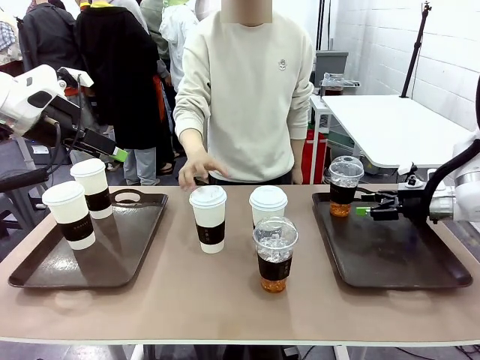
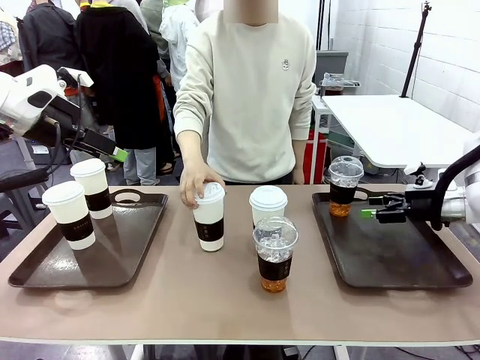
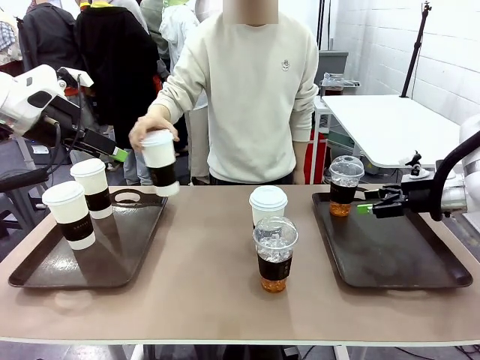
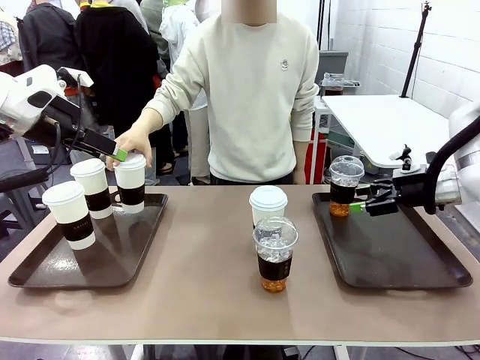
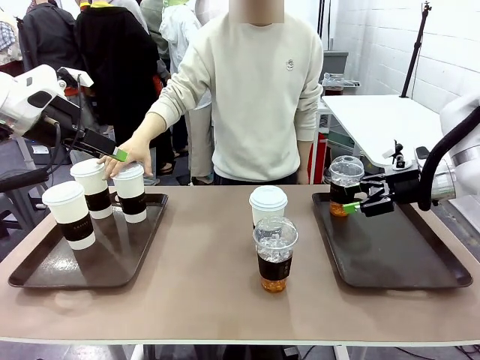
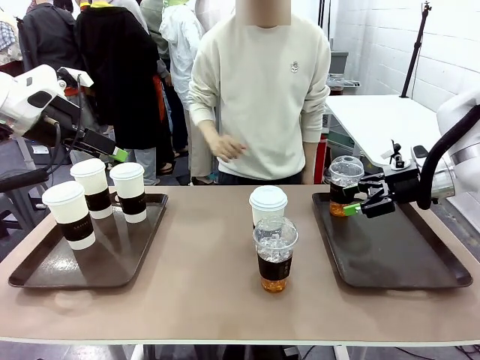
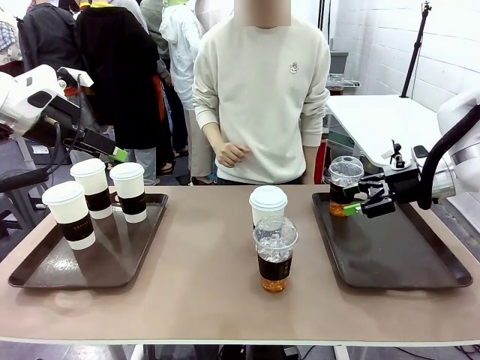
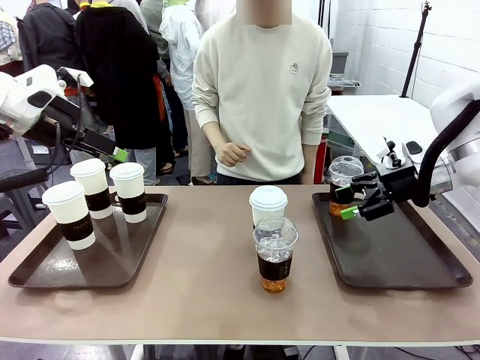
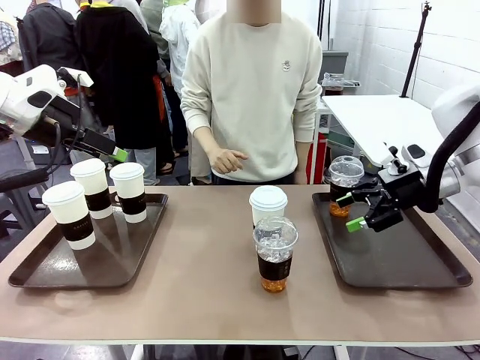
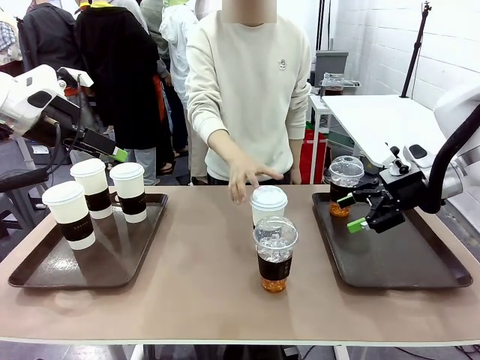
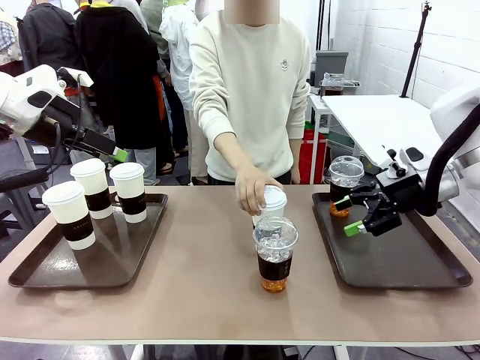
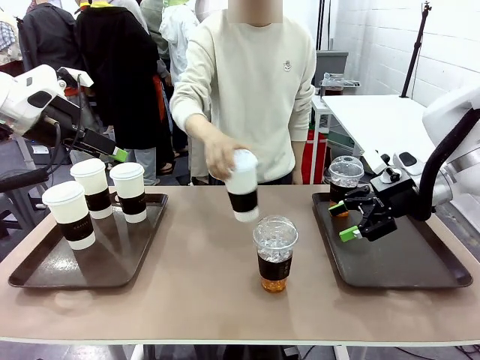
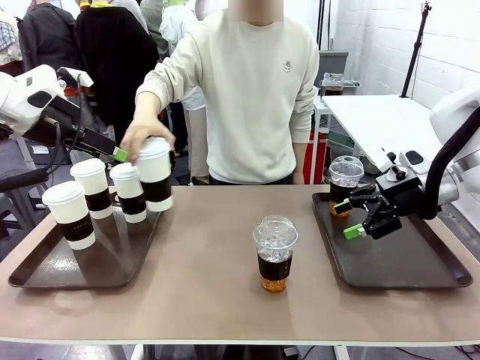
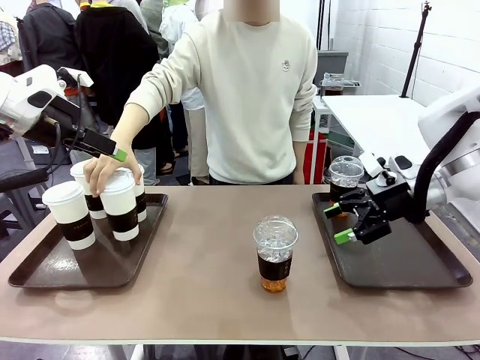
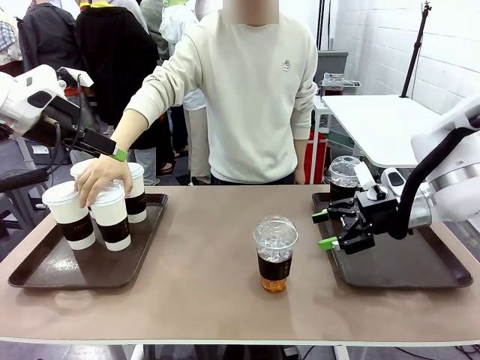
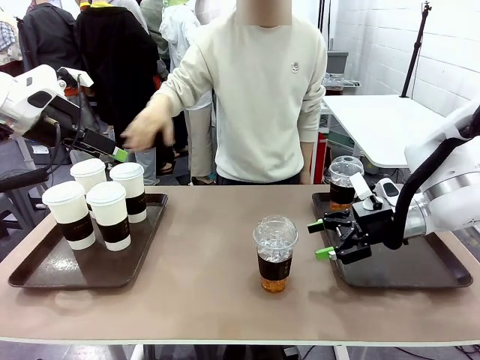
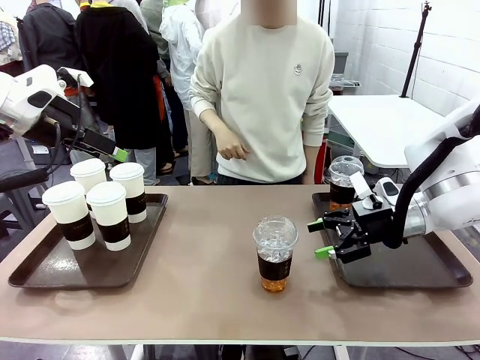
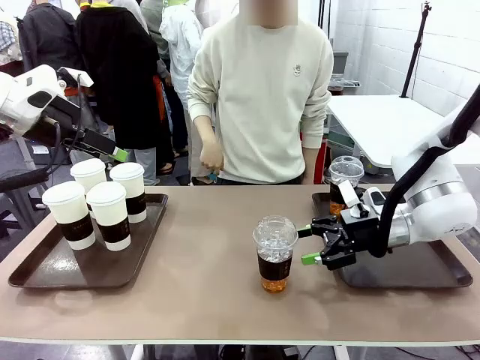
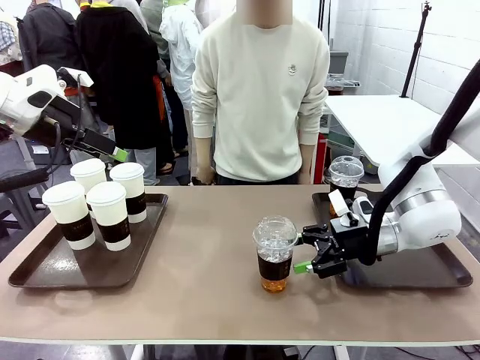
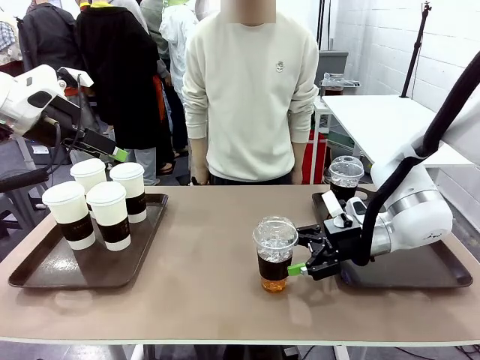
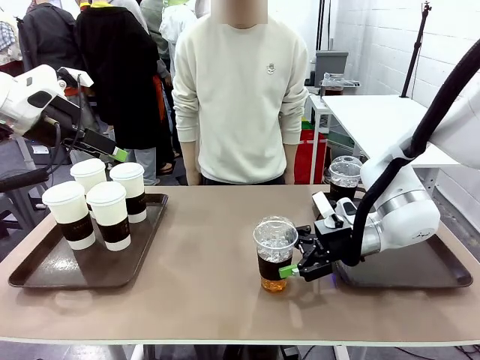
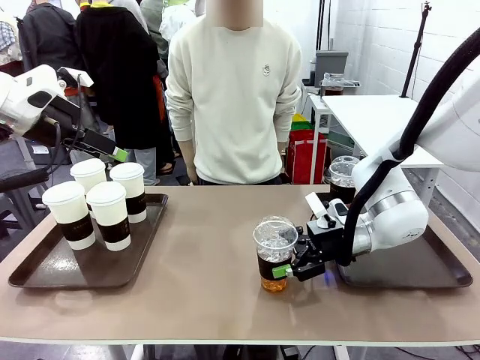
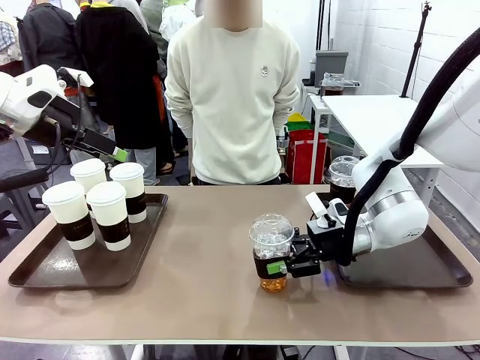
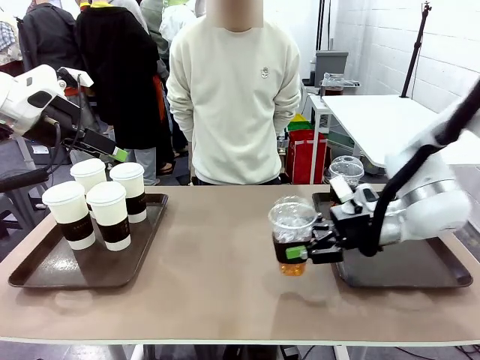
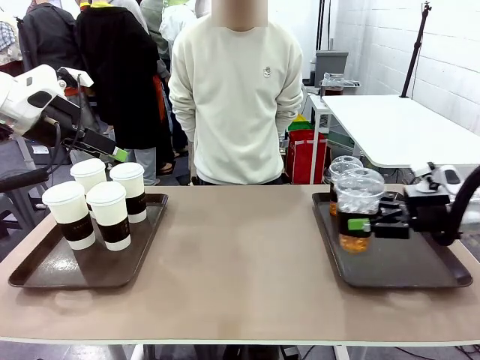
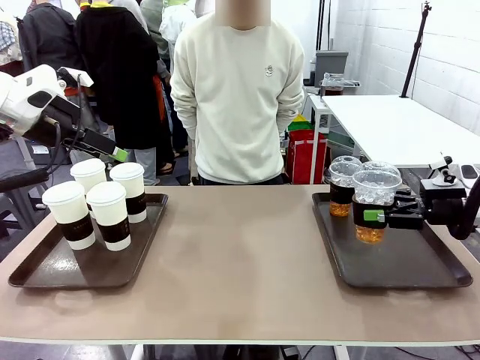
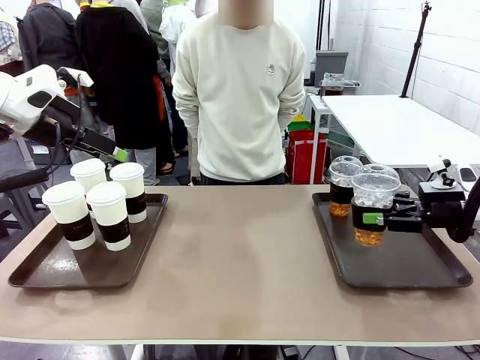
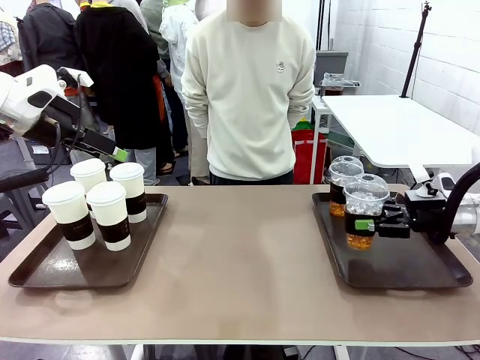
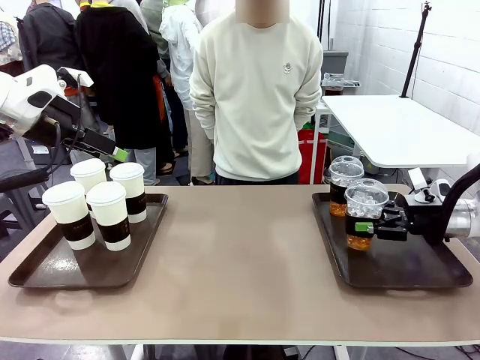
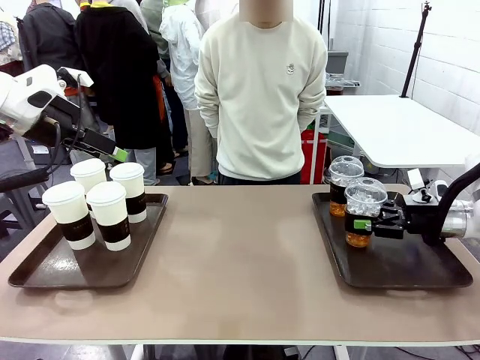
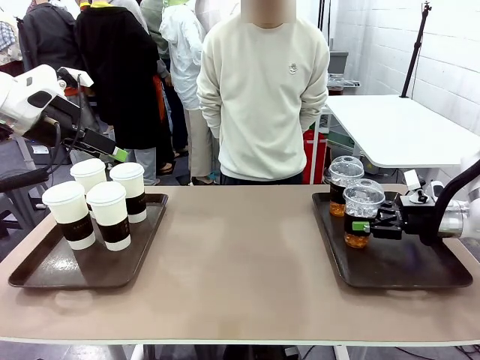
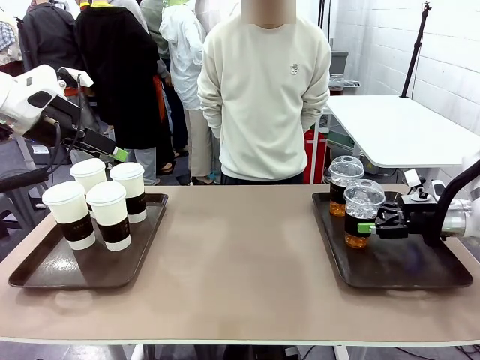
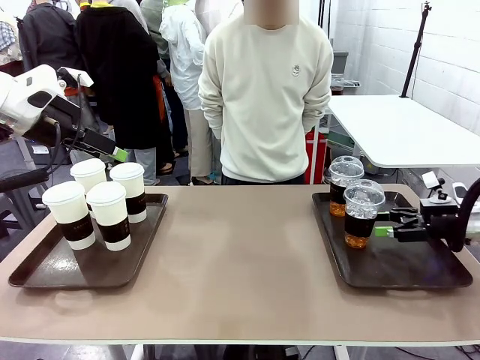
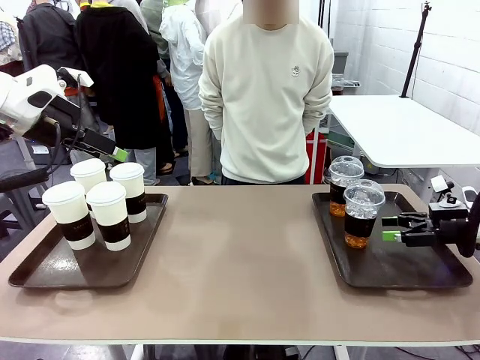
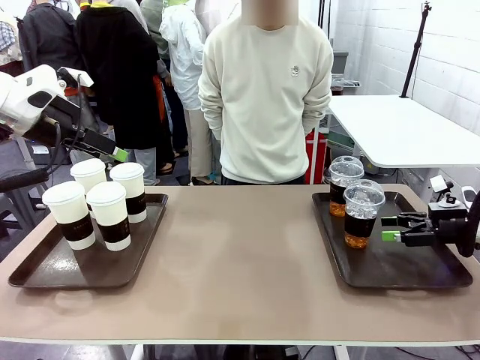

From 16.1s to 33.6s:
Task: Distribute the coffee onto the tray.
Robot: Pick up another iced Americano from the middle of the table and place it on the right Handle tray.
Person: Pick up a cup of hot Americano from the middle of the table and place it on the right tray.

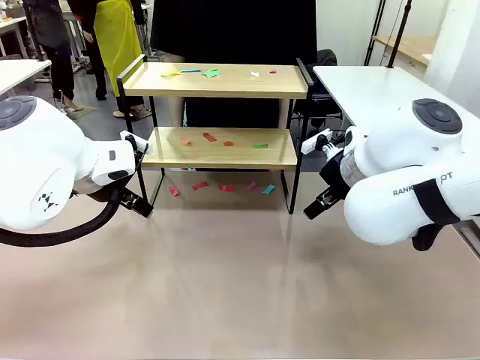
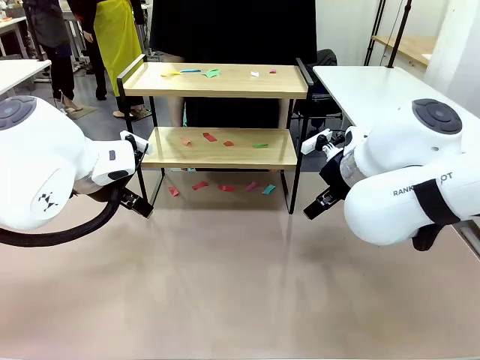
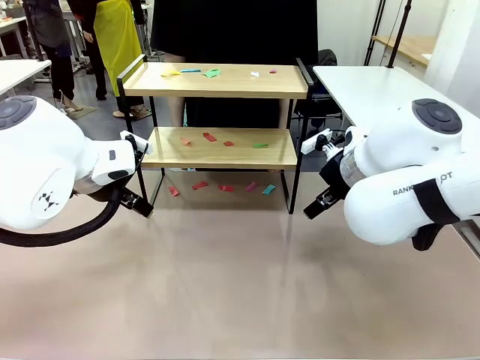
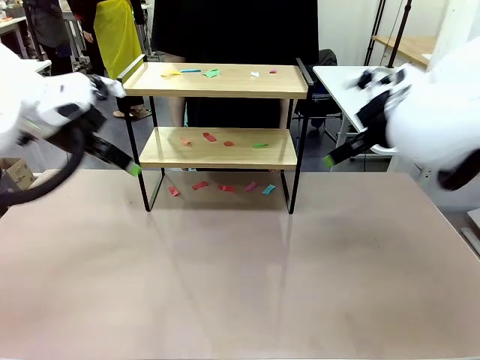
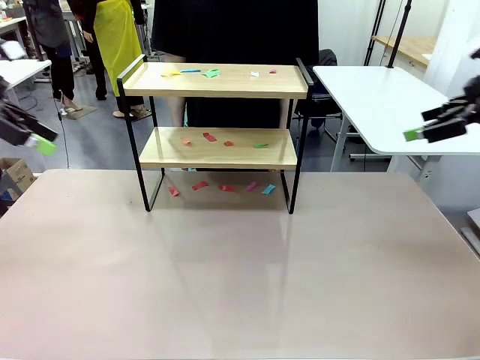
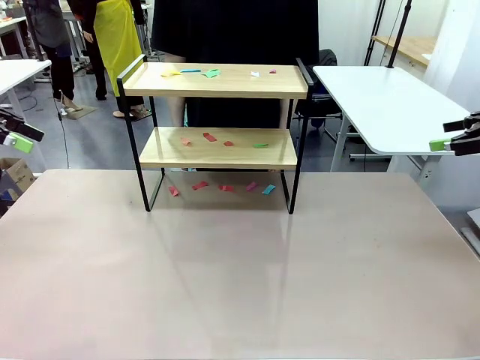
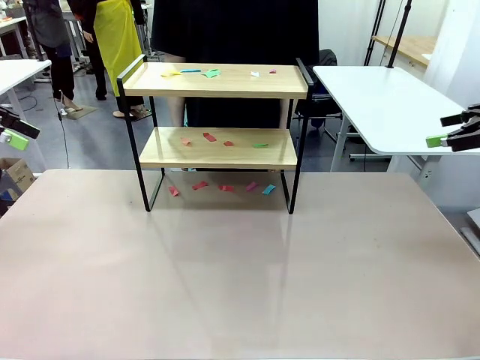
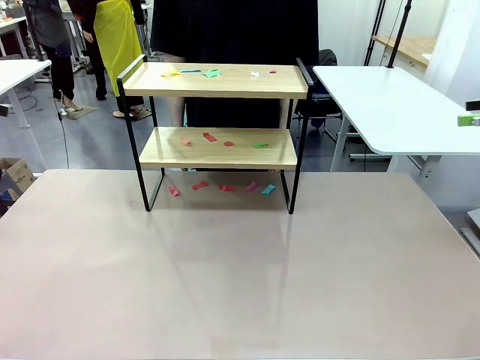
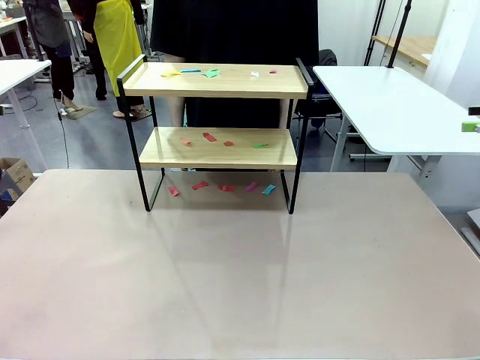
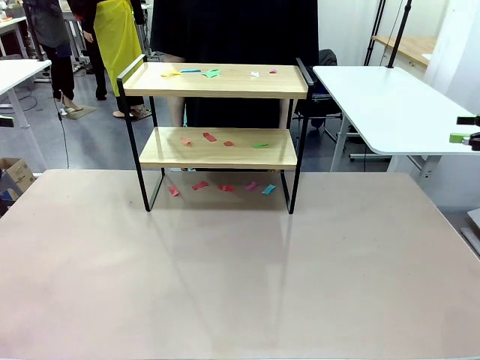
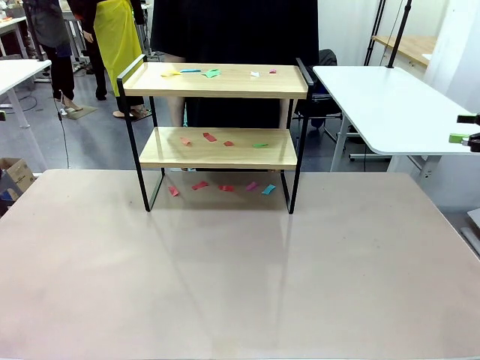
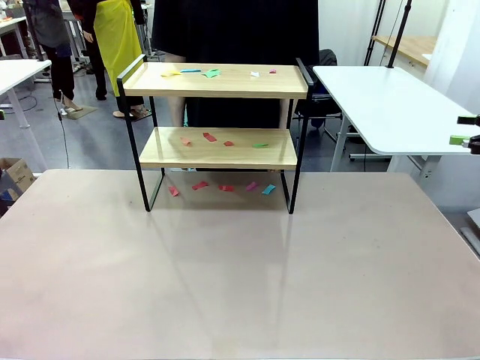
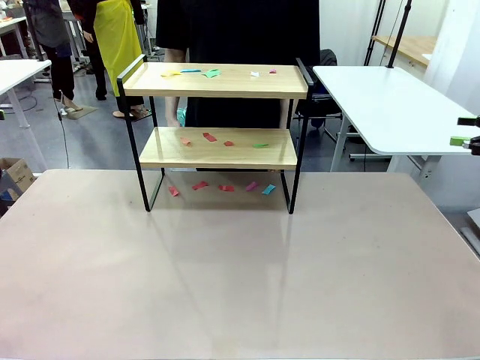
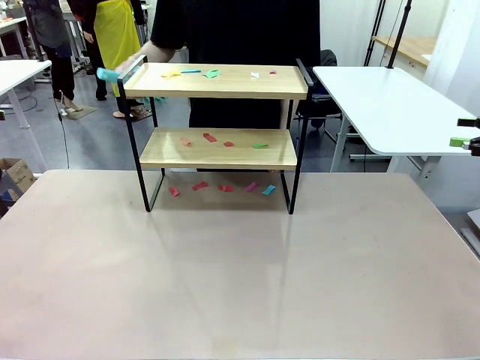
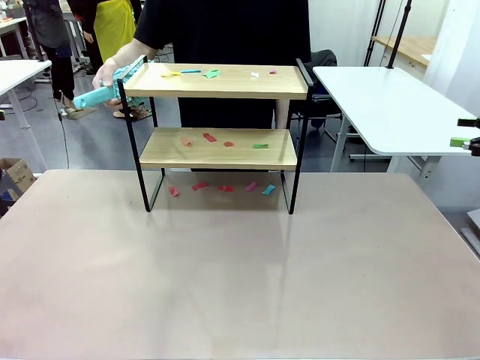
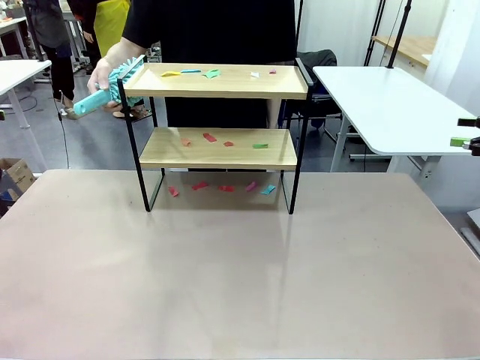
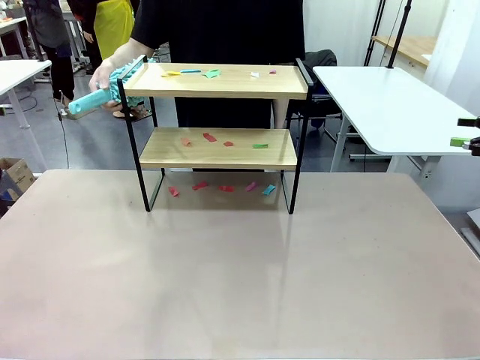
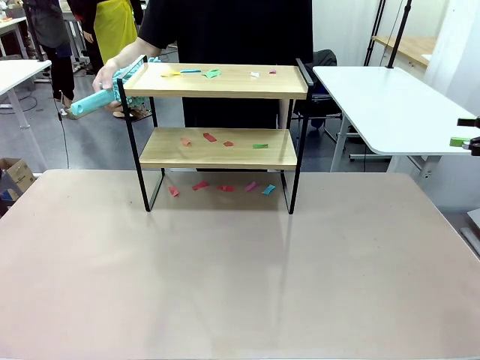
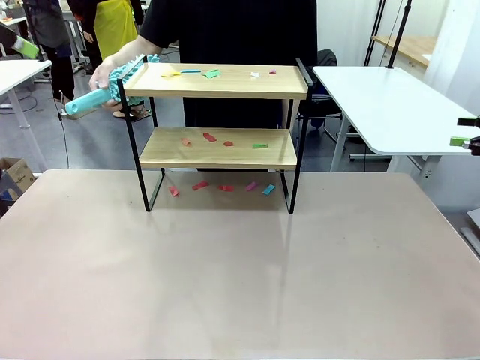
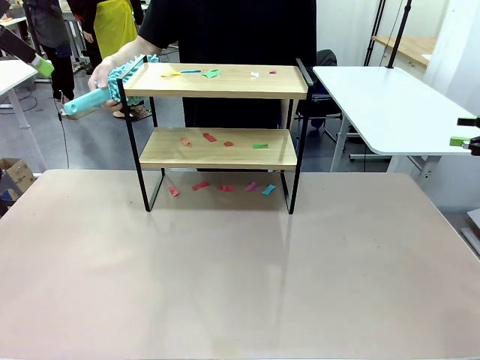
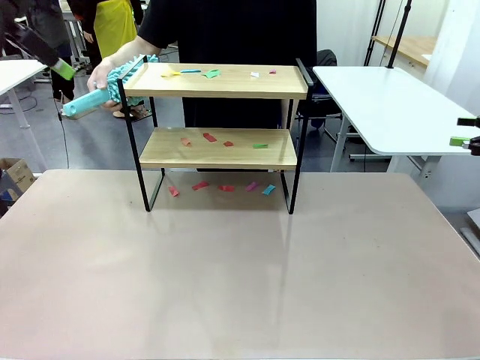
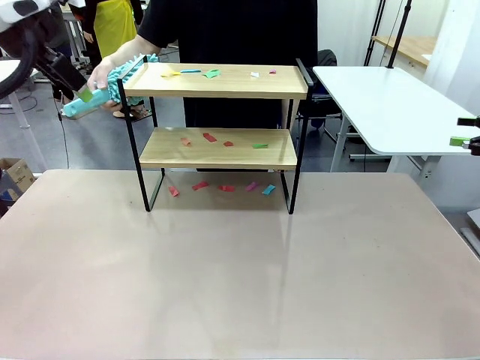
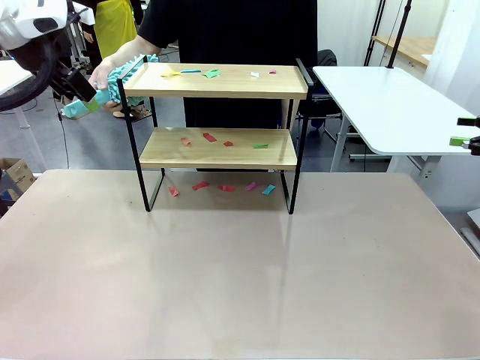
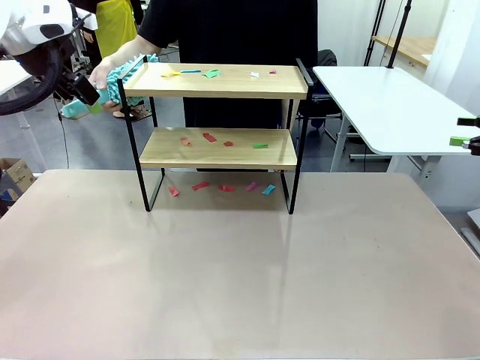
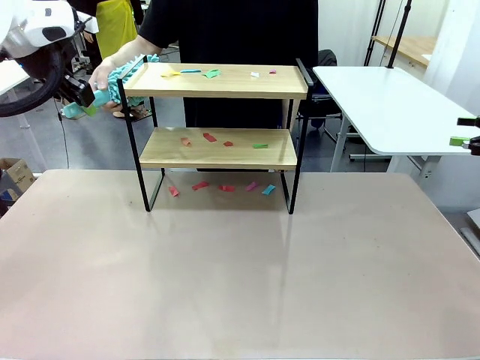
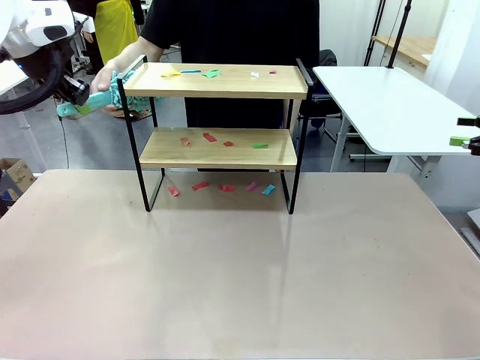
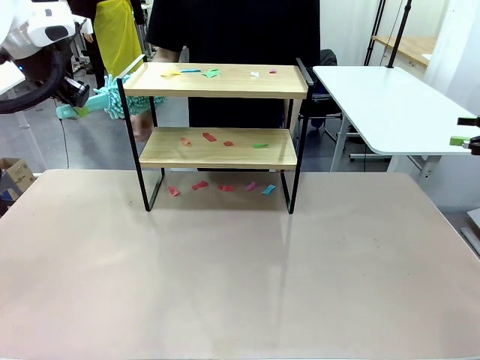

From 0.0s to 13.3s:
Task: Clean the shelf.
Robot: Pick up the Duster handed by the human.
Person: Hand the Duster to the robot.
